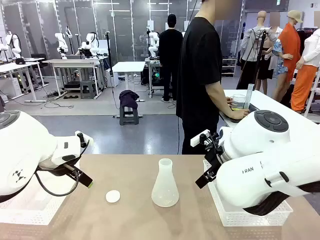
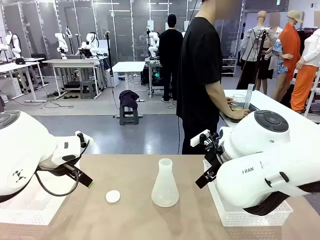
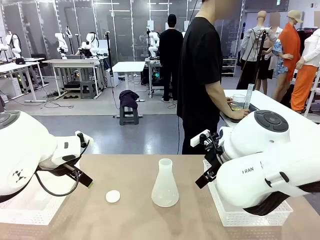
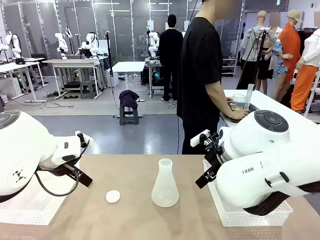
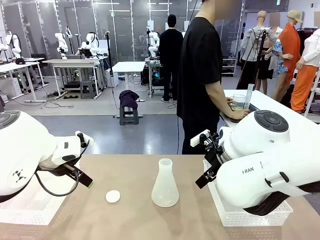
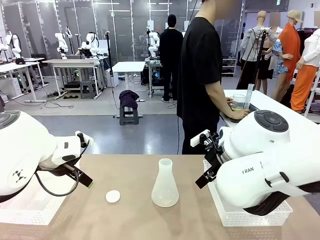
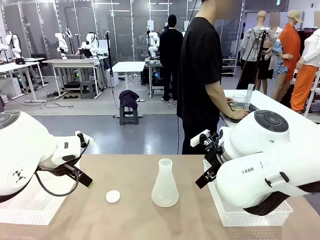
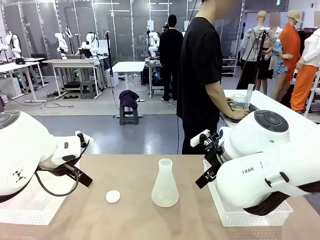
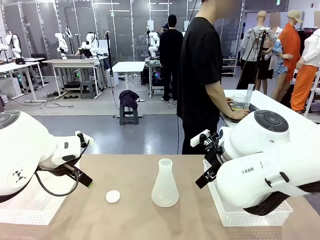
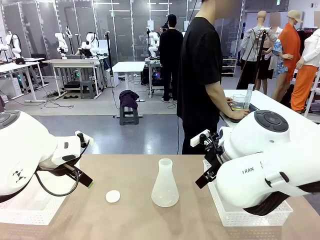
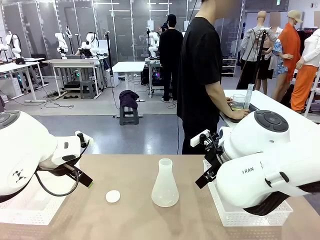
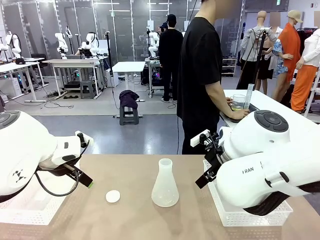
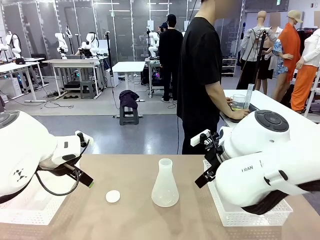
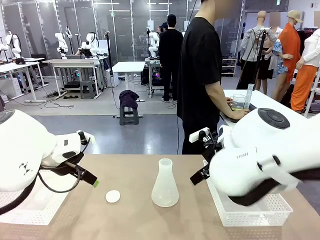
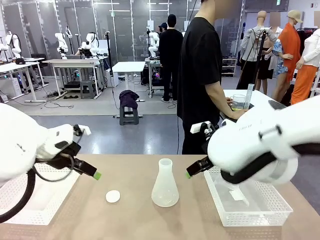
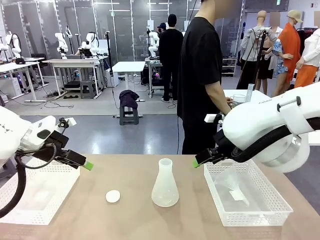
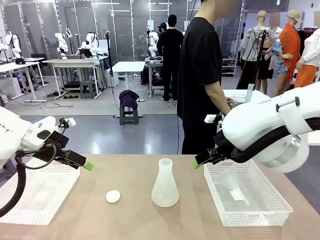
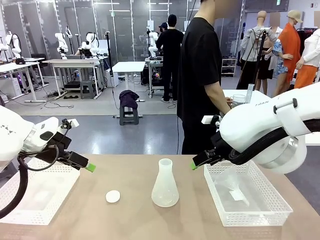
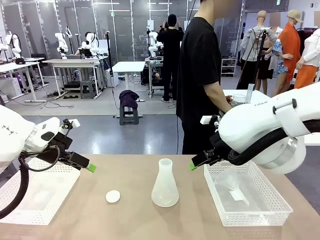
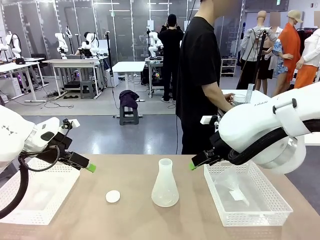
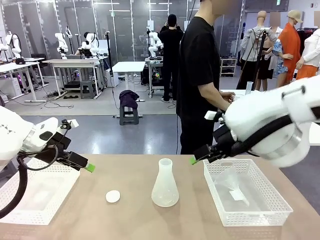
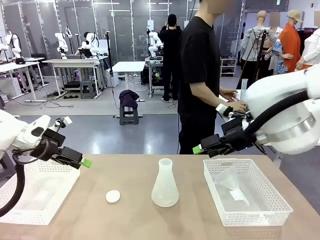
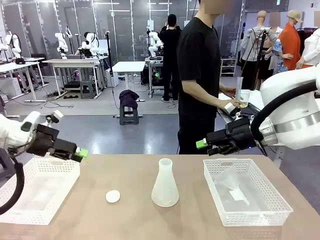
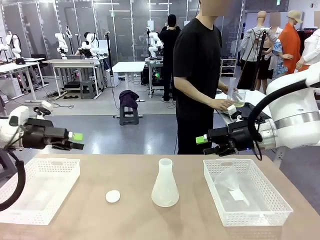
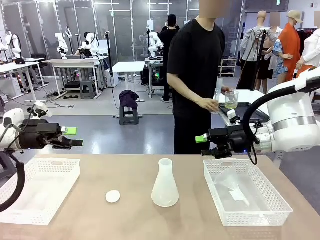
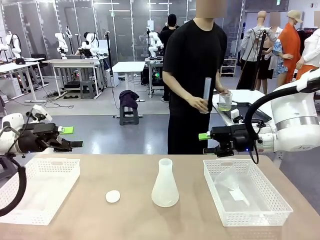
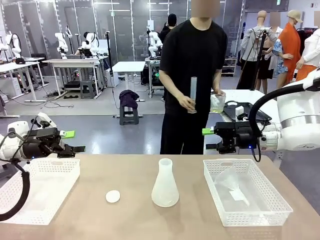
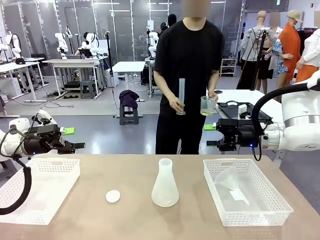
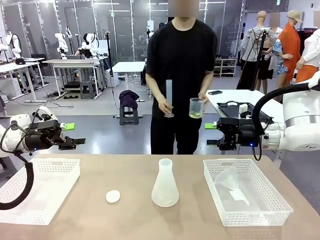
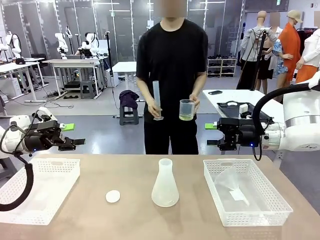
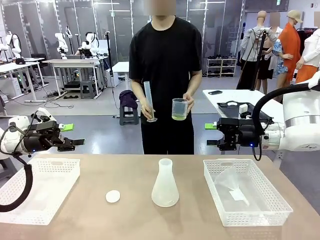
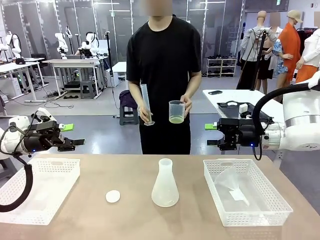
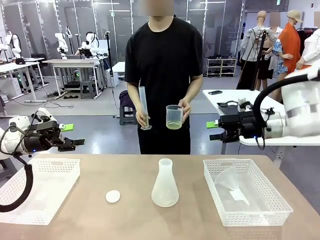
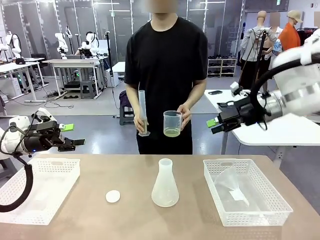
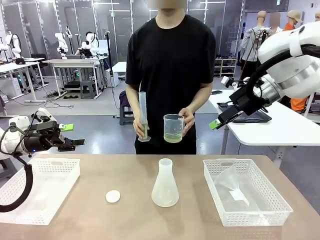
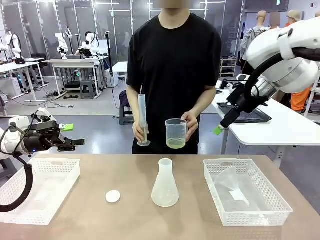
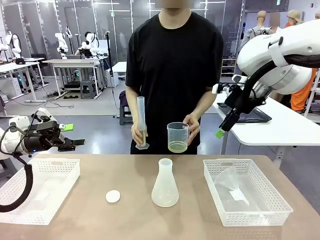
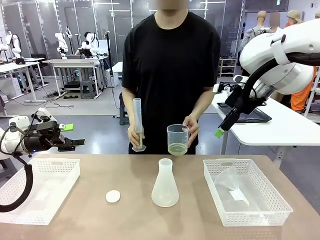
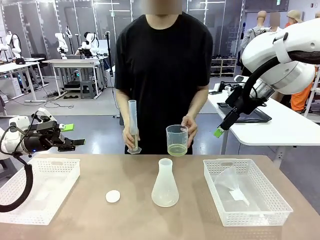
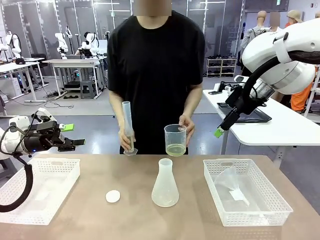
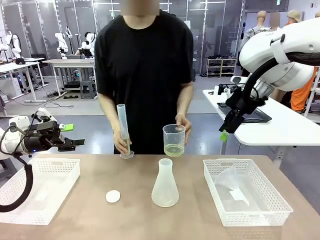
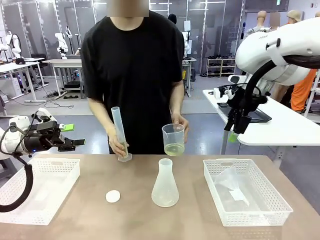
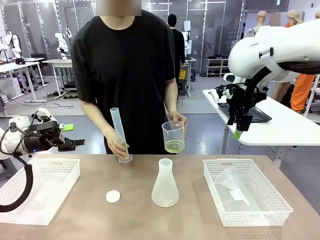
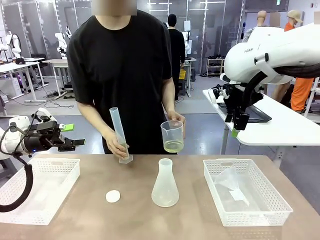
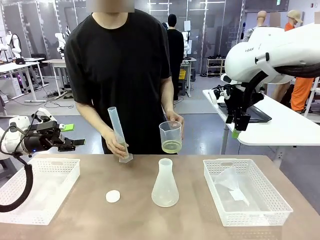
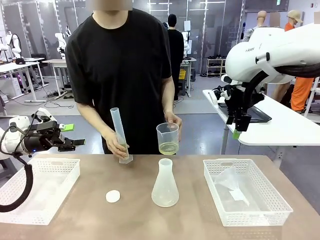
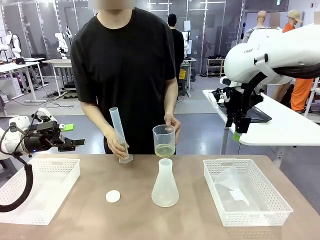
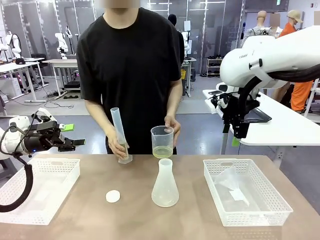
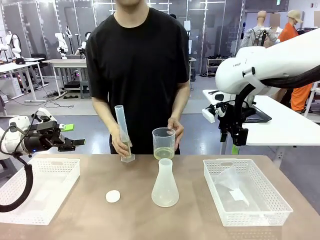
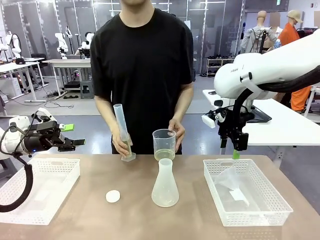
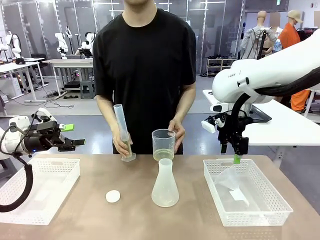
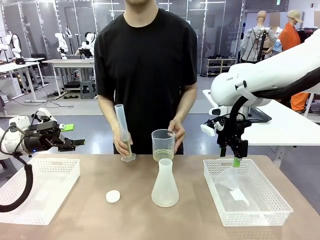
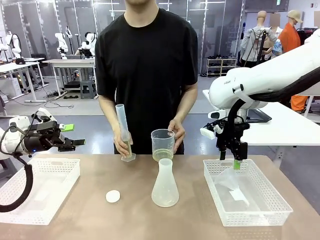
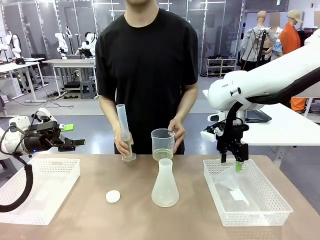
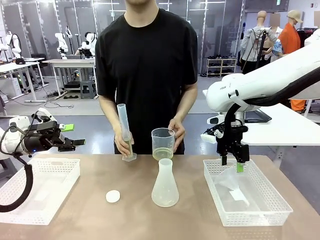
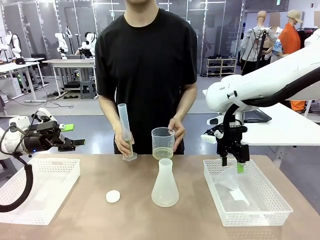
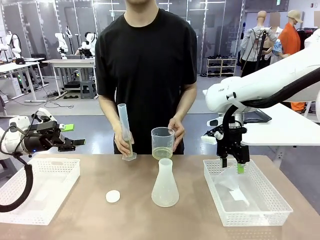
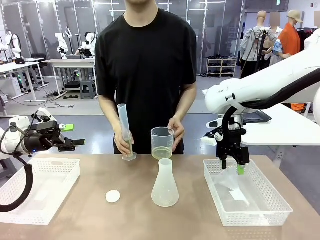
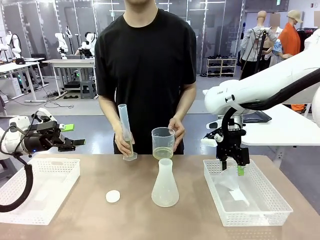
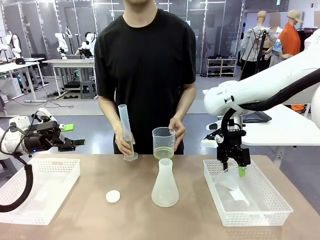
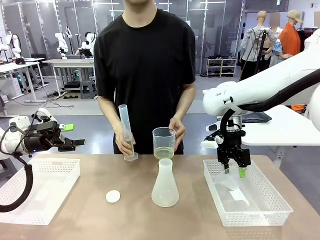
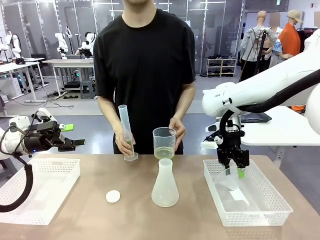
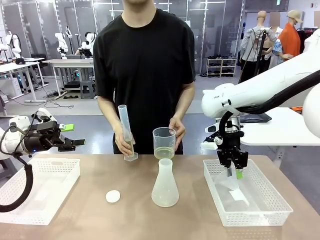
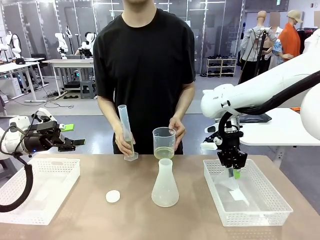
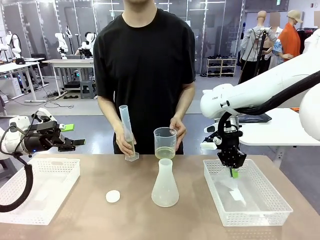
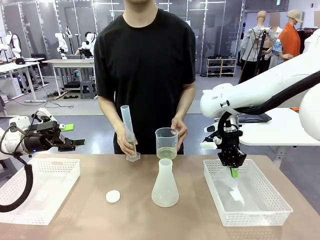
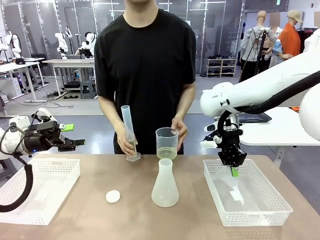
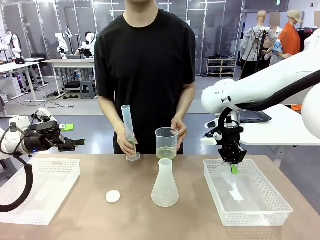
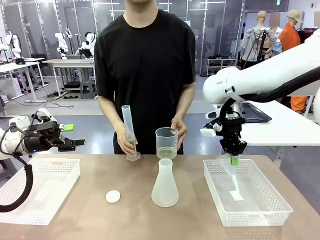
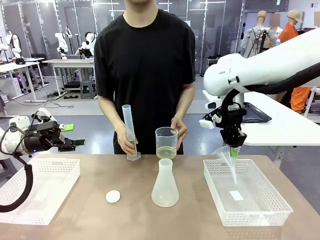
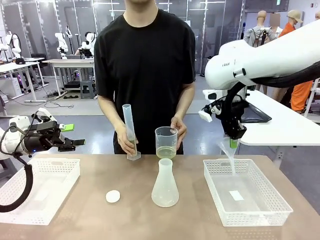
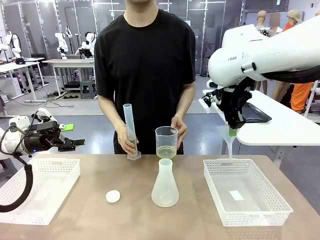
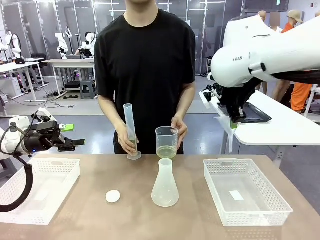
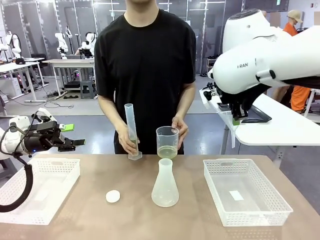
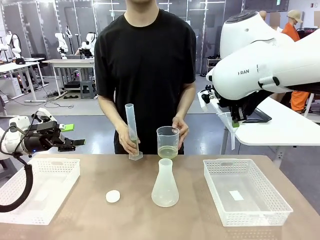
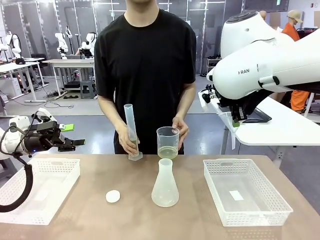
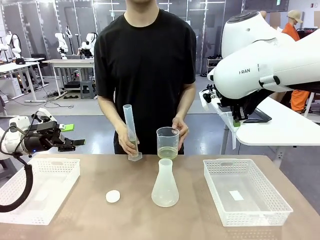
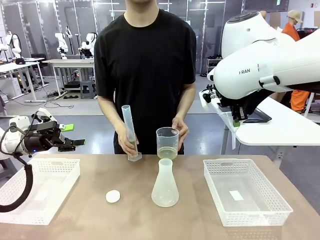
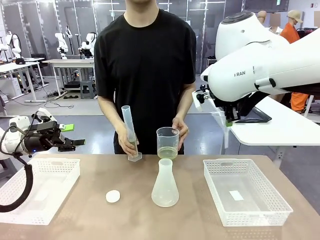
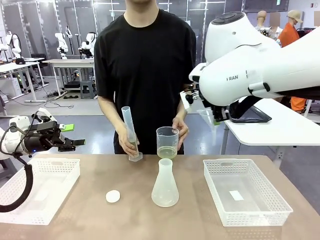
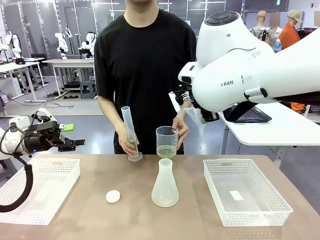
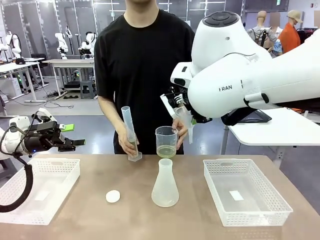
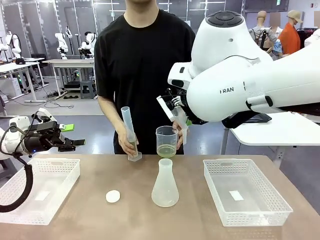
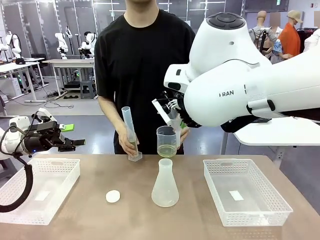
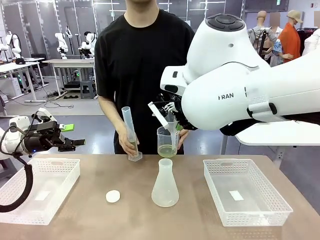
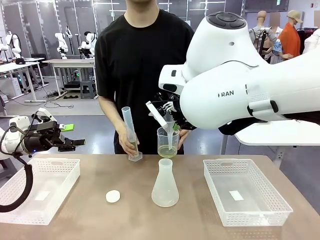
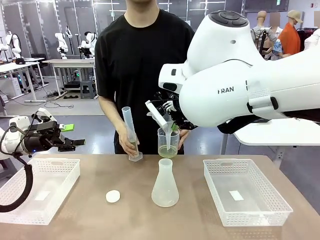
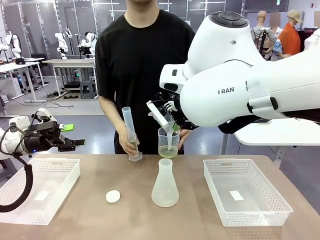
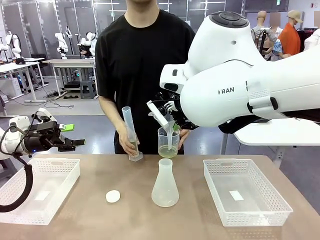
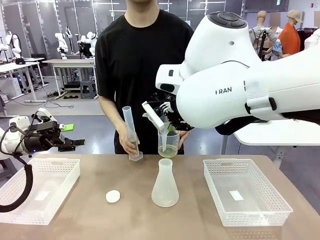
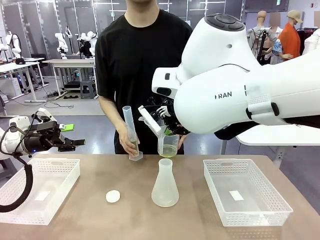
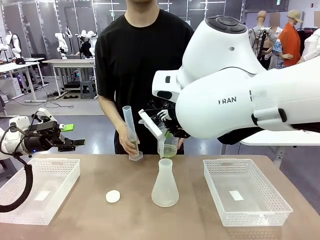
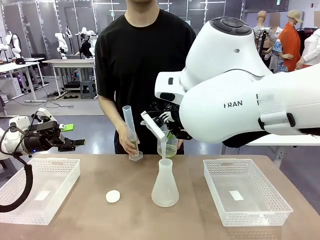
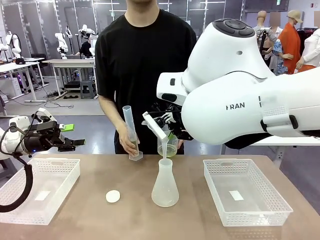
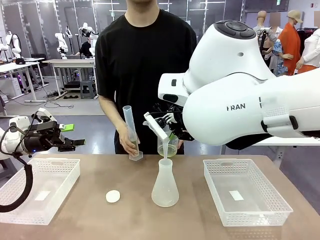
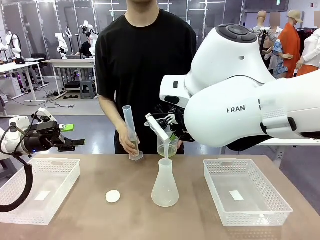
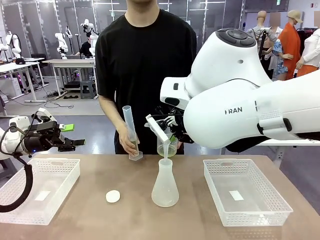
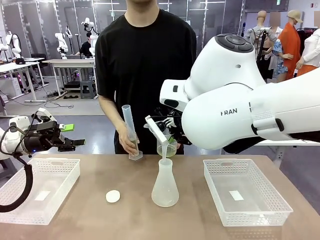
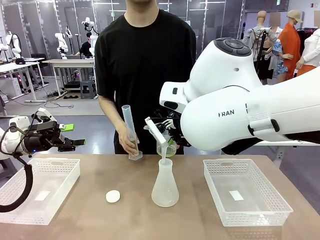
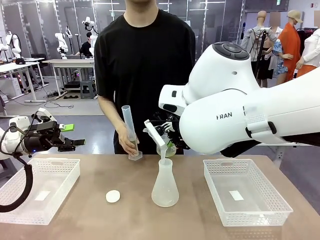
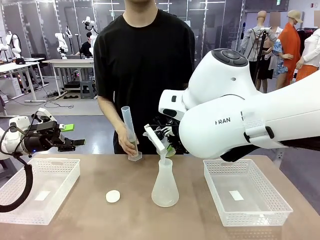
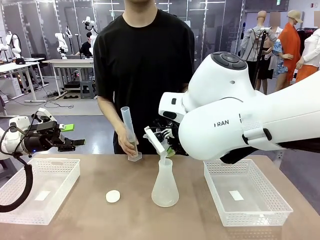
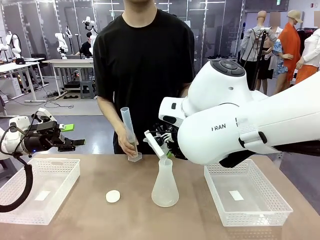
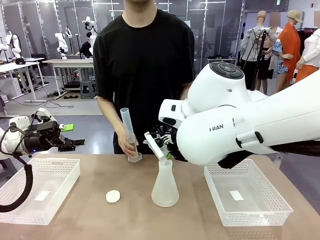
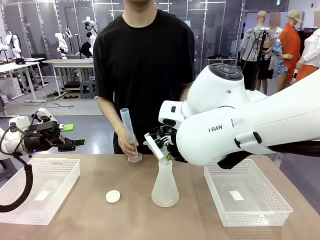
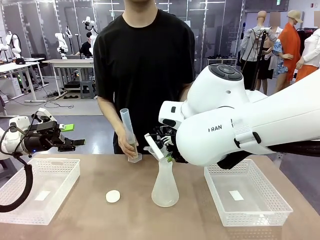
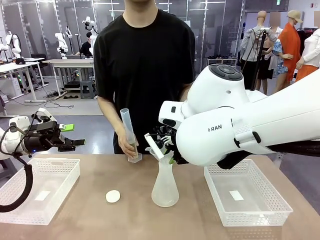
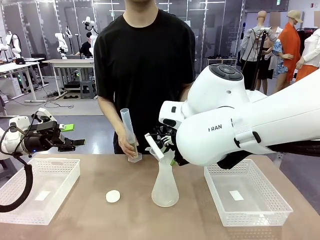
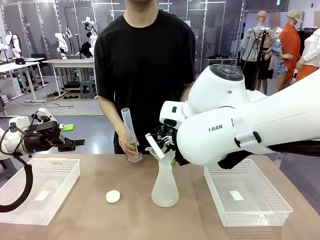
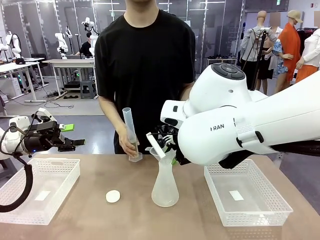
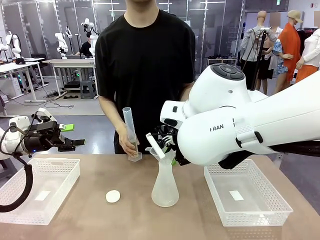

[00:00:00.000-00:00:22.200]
Task: Prepare the solutions needed for the experiment.
Robot: Pick up the Plastic Funnel and insert it into the Big flask.
Person: Pick up the beaker and the cylinder and move to the middle of the robot table. Pour the solution from the beaker and the cylinder into the flask.
